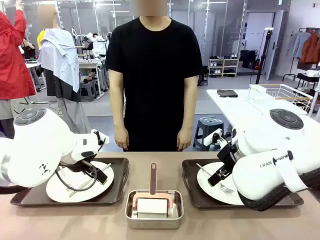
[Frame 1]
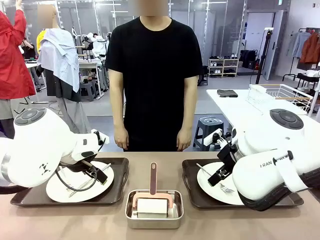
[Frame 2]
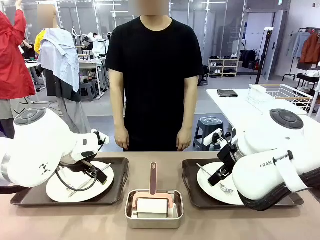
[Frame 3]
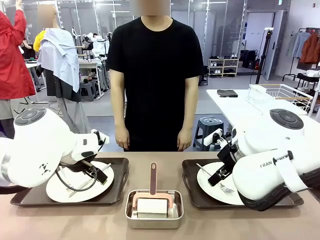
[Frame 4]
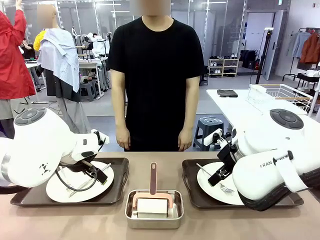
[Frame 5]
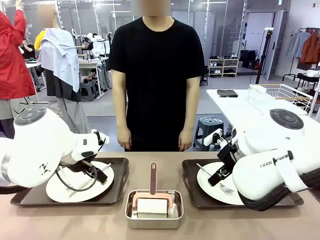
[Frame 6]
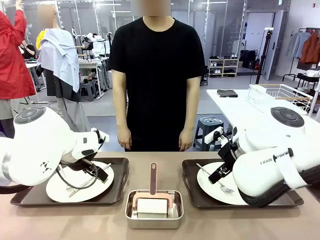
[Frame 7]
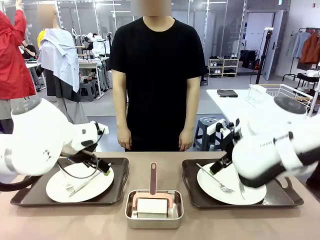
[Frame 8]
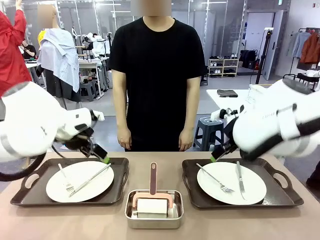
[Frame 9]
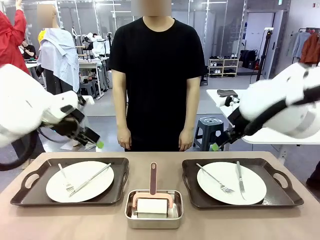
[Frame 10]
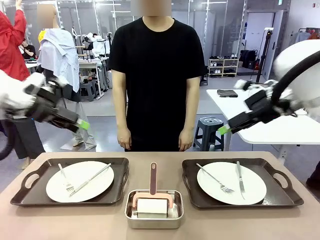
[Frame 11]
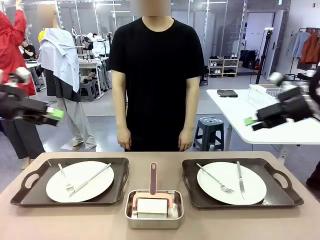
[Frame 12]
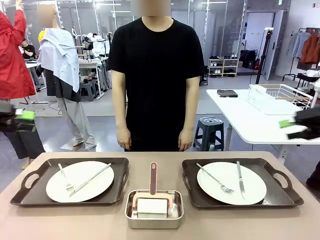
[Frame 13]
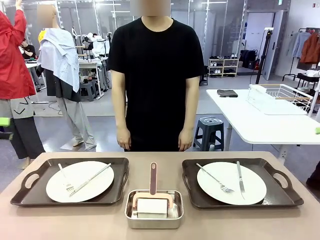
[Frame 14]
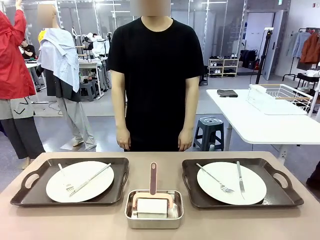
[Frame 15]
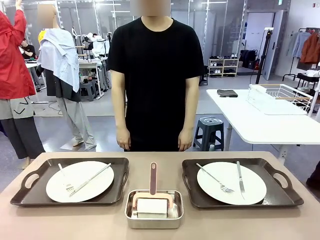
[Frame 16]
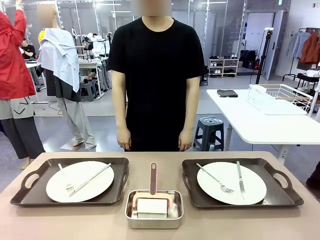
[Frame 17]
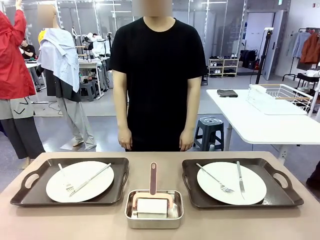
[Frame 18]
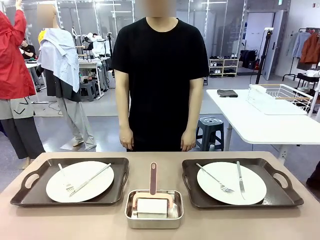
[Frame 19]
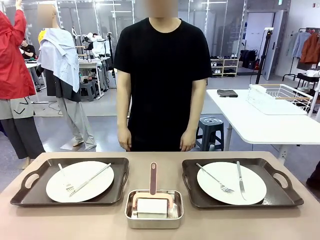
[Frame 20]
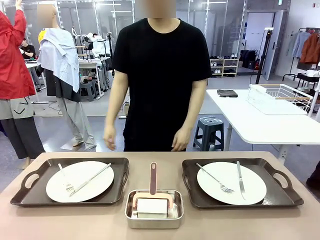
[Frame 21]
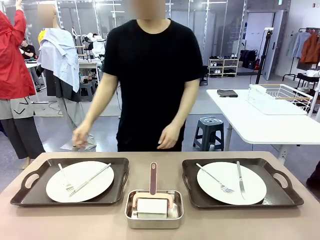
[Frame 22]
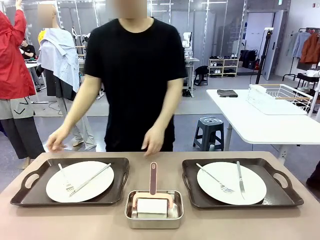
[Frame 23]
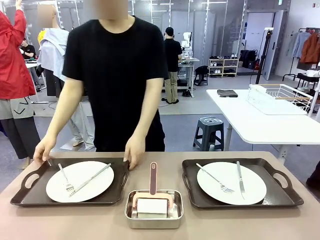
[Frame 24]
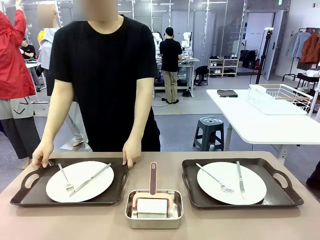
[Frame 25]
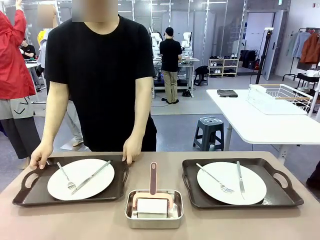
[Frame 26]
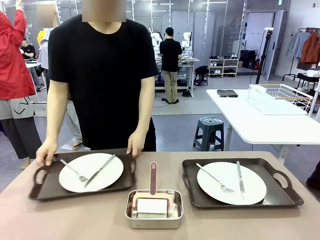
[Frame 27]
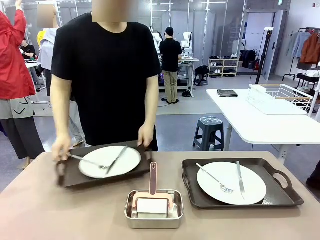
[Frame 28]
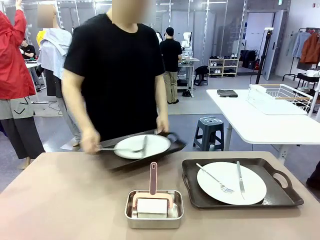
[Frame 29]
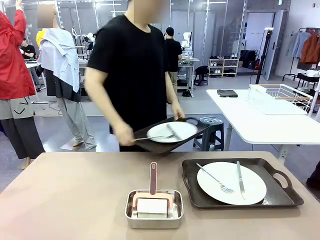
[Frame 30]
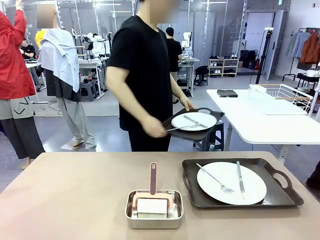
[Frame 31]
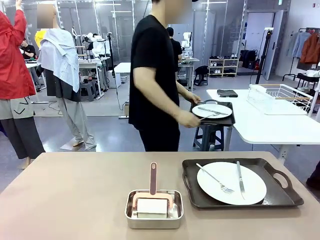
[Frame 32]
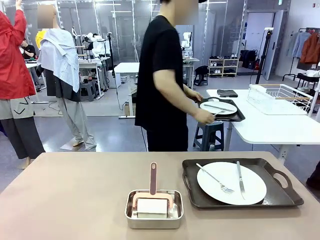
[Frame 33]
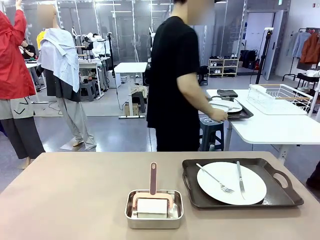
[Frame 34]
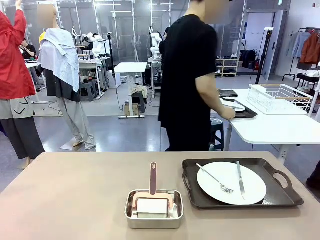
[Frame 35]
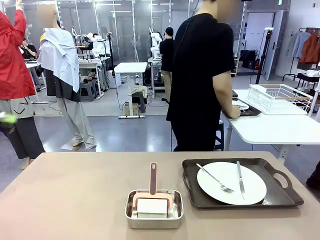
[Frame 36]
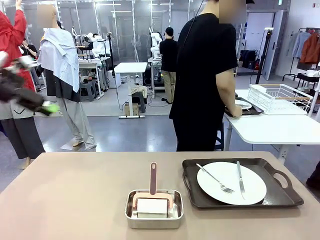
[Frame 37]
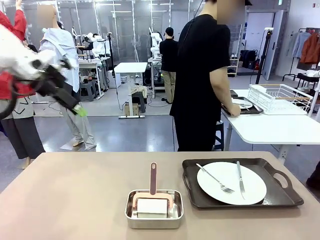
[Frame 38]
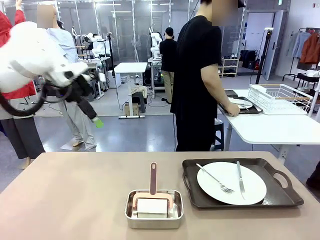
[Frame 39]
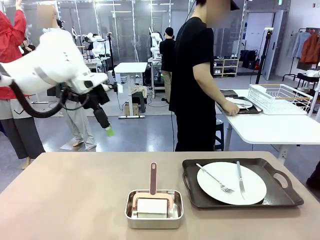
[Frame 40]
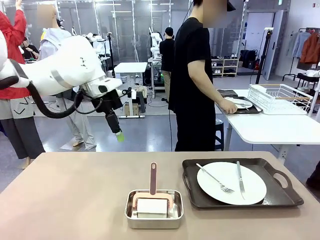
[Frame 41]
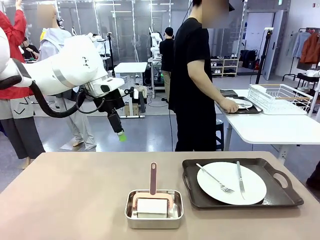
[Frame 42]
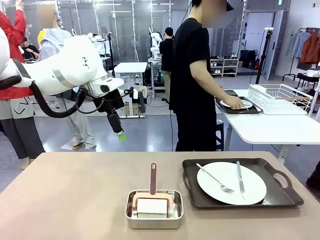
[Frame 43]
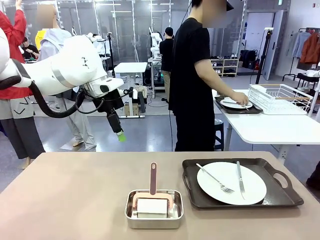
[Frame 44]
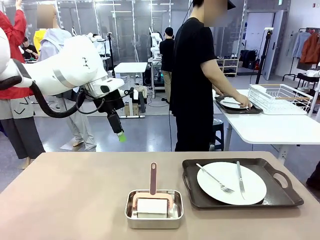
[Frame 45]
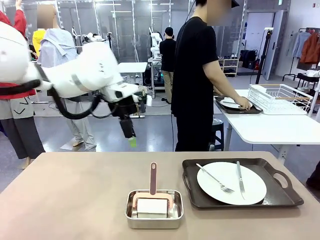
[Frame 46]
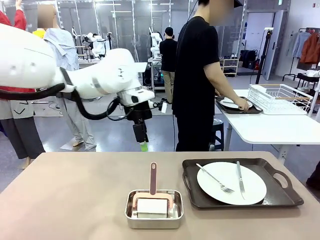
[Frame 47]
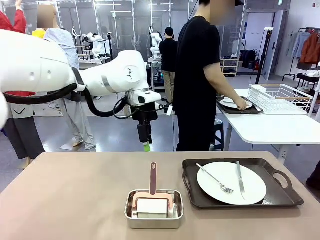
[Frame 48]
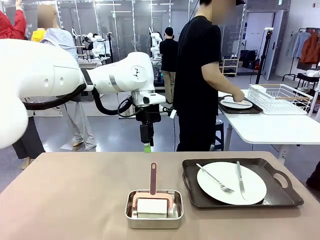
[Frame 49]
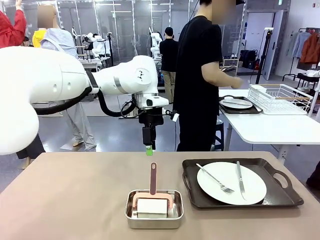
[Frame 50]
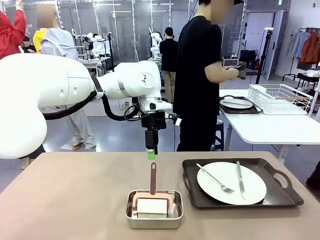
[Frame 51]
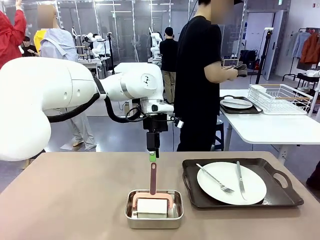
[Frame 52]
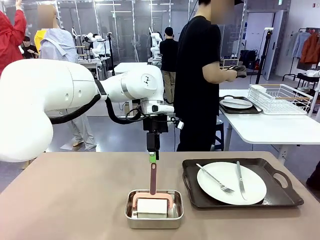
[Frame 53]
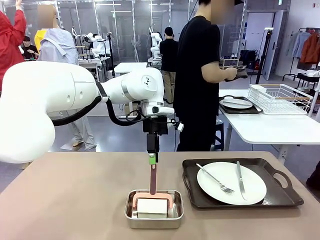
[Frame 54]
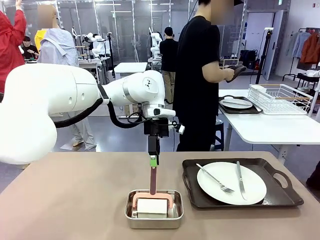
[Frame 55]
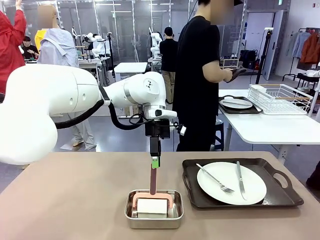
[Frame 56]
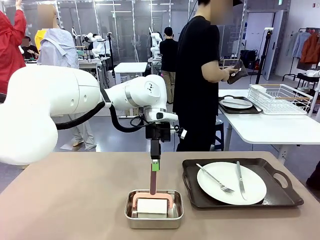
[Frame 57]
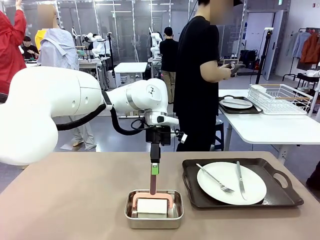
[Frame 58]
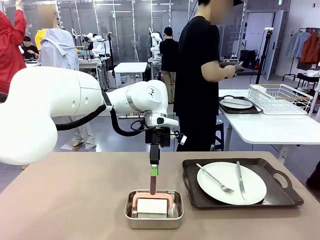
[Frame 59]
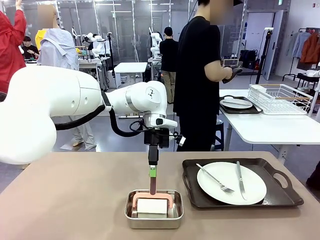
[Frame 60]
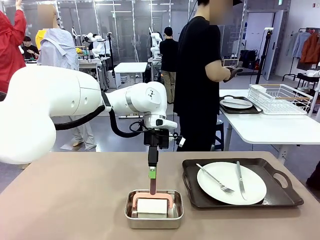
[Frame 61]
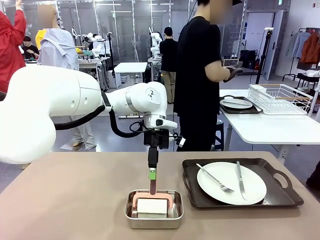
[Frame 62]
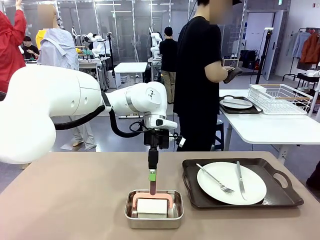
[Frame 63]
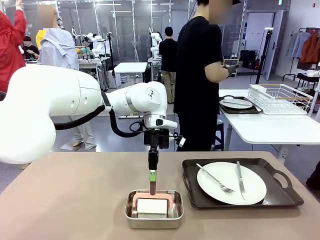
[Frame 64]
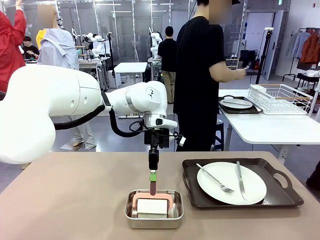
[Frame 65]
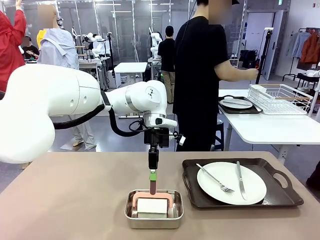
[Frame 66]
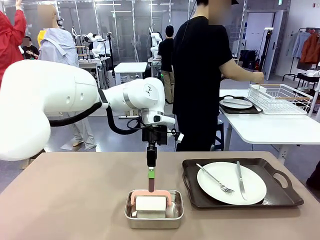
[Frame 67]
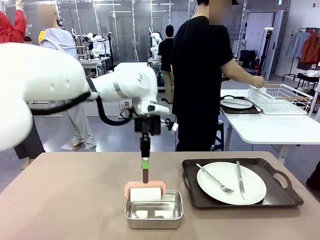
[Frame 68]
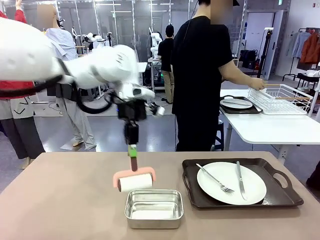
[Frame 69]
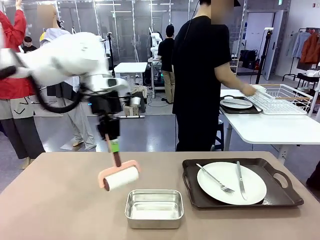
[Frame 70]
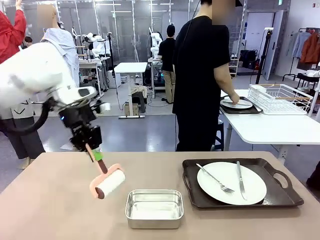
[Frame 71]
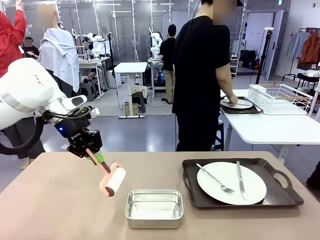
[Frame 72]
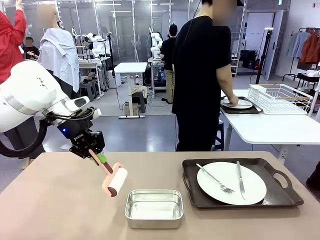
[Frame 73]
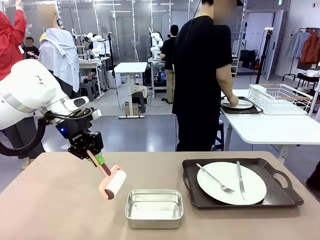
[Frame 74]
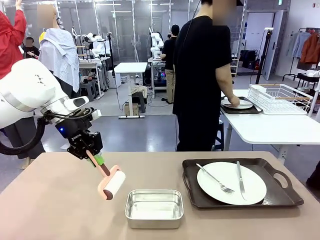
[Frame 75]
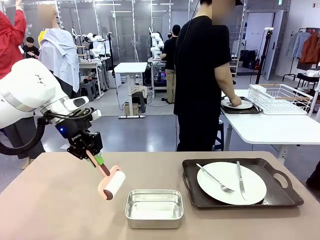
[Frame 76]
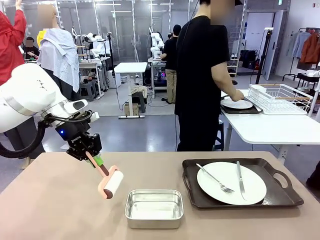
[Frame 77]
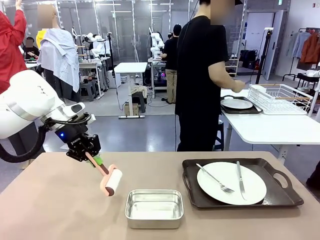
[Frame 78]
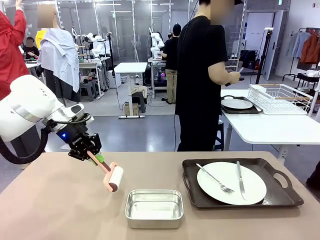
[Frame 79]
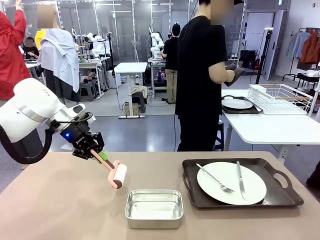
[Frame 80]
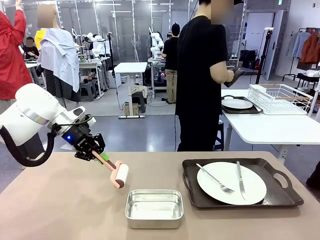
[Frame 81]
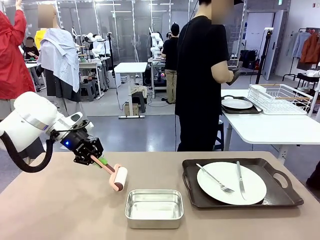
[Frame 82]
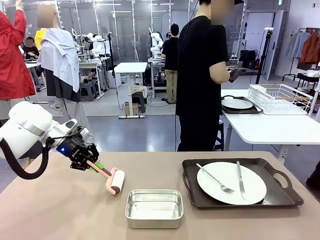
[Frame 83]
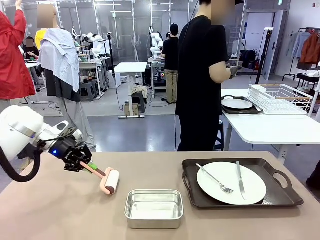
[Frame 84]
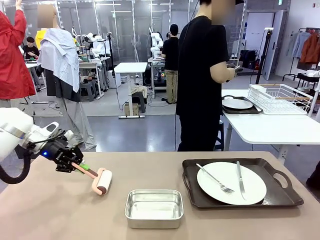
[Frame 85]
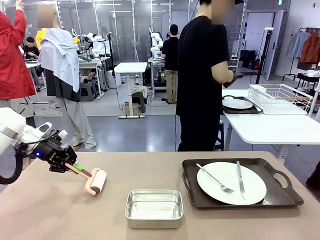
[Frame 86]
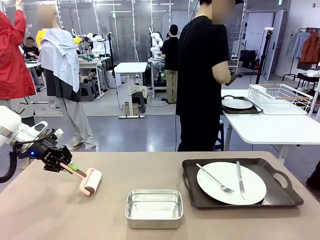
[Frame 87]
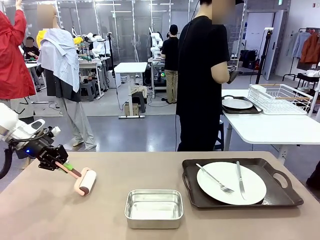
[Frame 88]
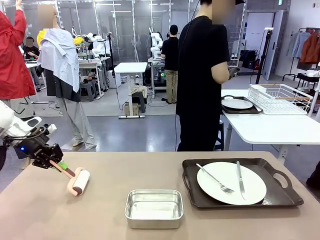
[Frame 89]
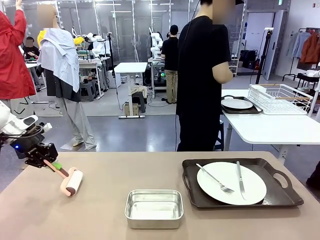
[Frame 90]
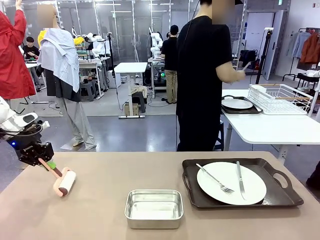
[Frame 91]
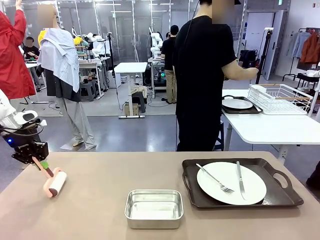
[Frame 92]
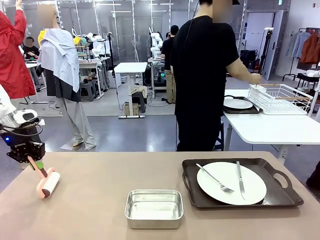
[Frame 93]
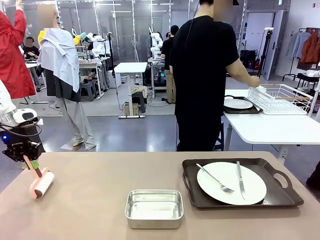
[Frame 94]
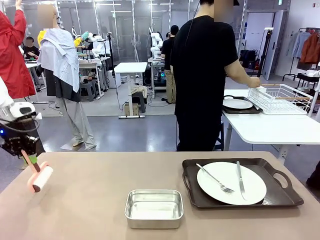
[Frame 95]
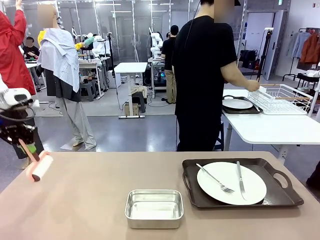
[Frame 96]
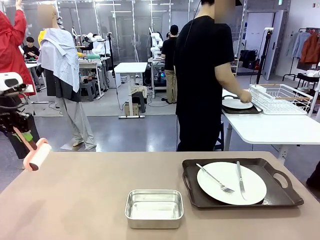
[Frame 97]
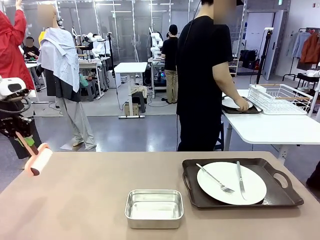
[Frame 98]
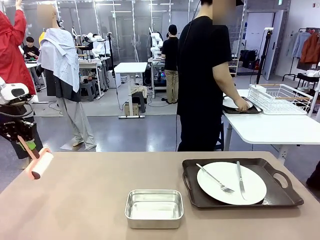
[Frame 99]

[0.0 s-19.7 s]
Robot: When the left (or right) Handle tray is removed, use the left hand (or right hand) to clean the left (or right) side of the table with the Lint Roller.
Person: Pick up the left (or right) Handle tray and place it on the middle of the Human's table. Use the Towel with hook to wipe the Plastic Matte Plate , Fork , and Knife and place into the Dish drying rack.

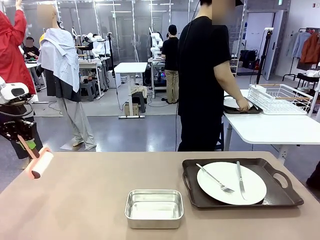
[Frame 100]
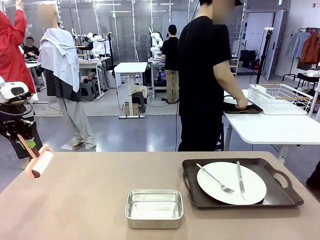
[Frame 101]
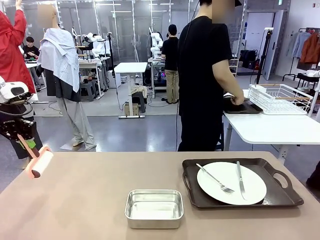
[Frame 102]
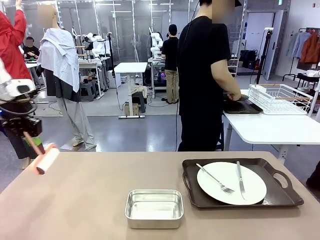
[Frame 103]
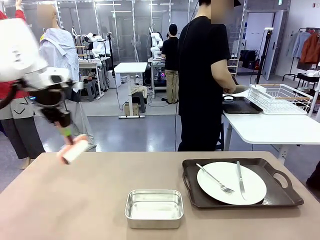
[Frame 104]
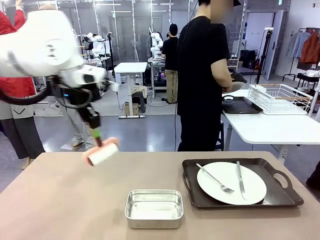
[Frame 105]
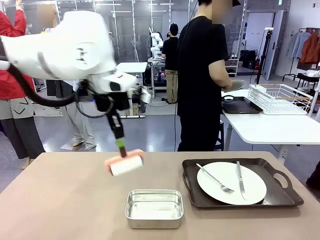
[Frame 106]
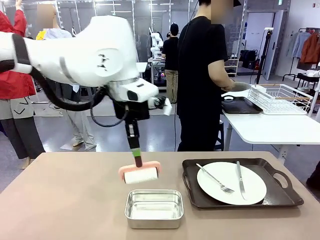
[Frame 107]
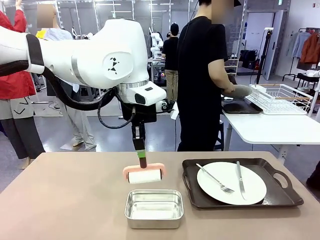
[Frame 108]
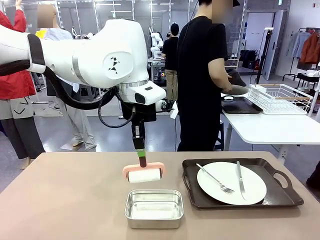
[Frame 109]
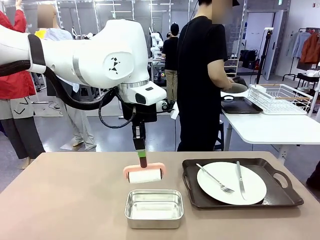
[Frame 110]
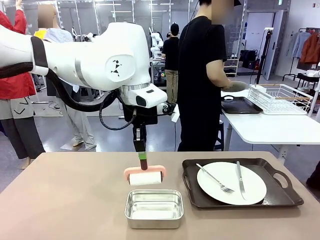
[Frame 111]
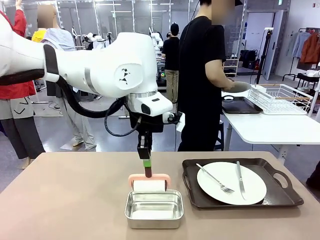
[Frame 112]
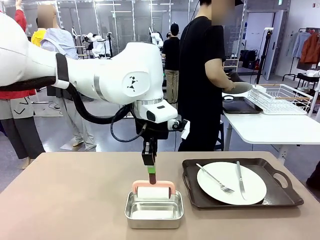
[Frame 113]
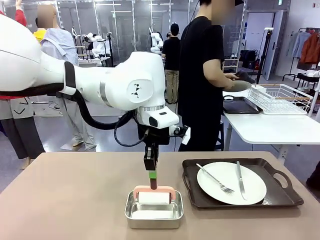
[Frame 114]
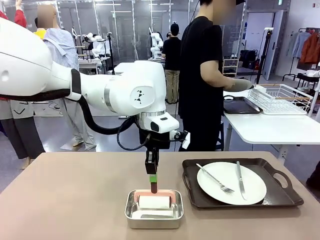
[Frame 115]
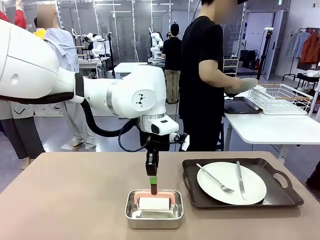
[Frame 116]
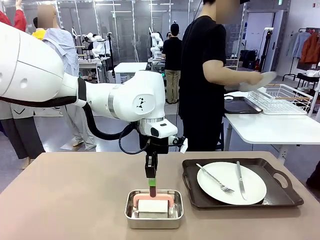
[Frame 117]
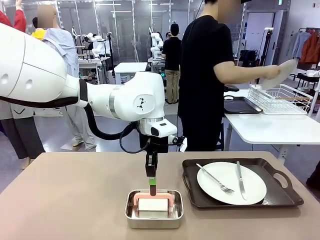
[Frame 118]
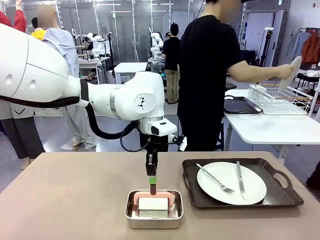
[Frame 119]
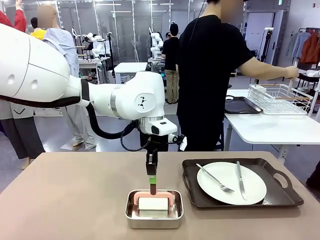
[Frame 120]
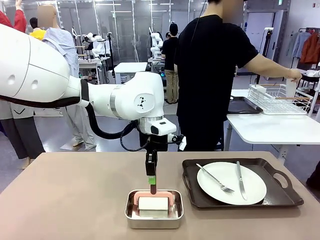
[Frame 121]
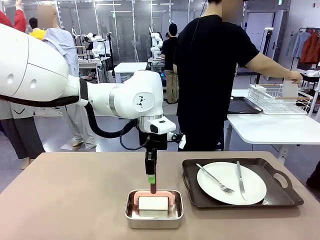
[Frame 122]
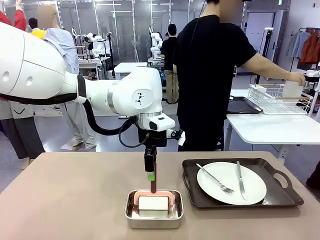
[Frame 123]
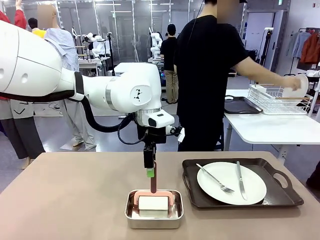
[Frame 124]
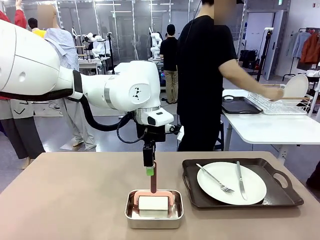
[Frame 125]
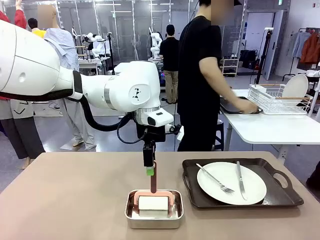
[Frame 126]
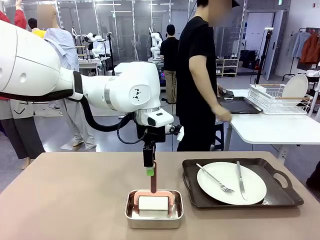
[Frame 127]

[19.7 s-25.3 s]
Robot: Place the Lint Roller back on top of the Airtight Container.
